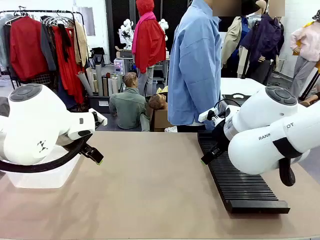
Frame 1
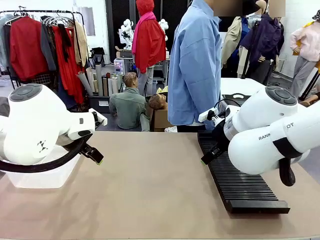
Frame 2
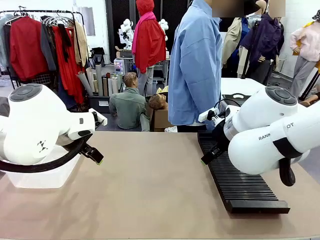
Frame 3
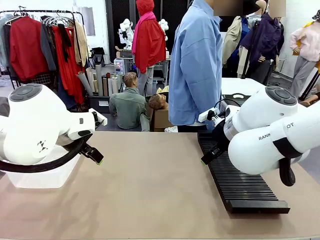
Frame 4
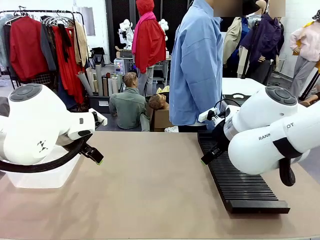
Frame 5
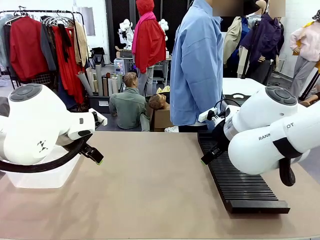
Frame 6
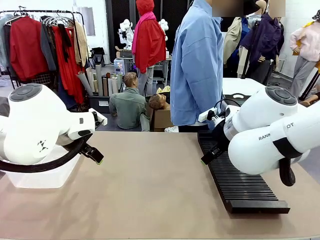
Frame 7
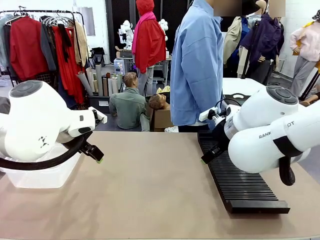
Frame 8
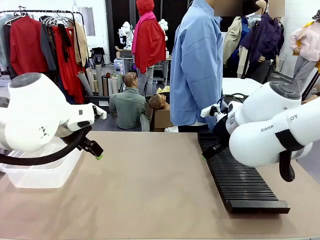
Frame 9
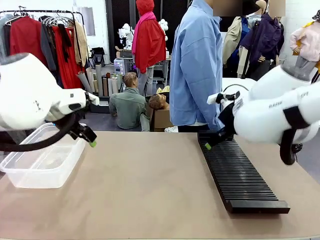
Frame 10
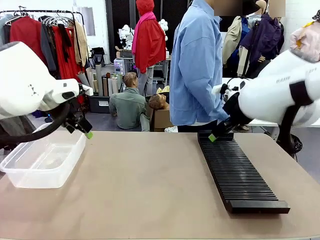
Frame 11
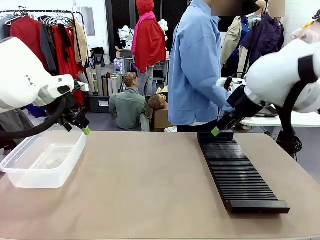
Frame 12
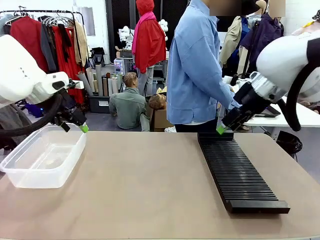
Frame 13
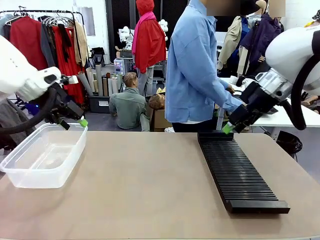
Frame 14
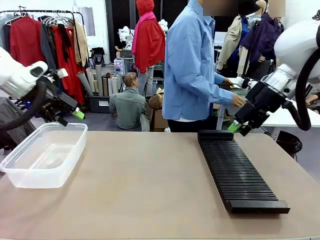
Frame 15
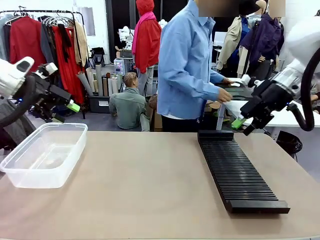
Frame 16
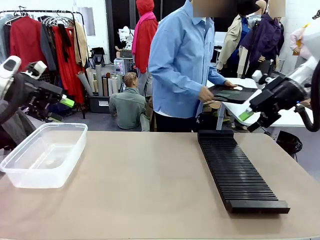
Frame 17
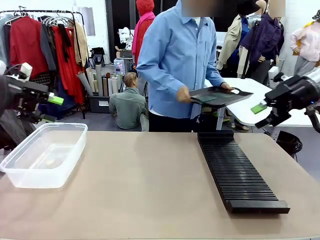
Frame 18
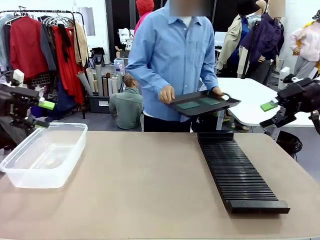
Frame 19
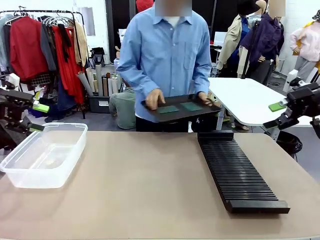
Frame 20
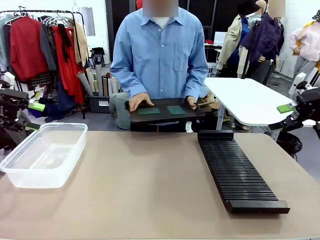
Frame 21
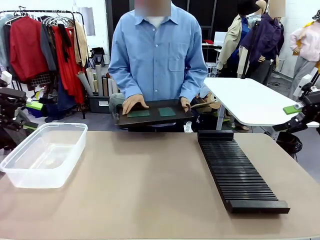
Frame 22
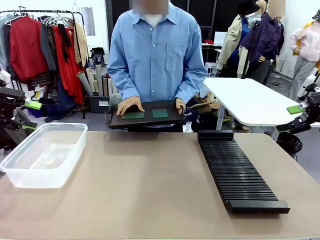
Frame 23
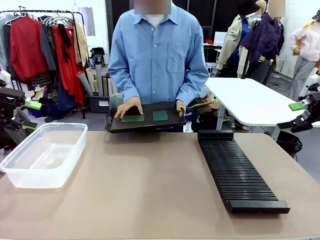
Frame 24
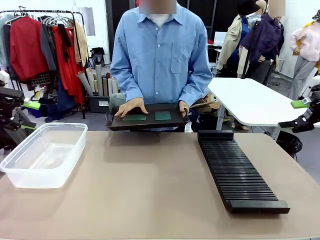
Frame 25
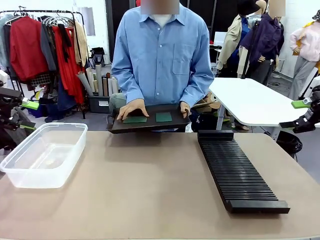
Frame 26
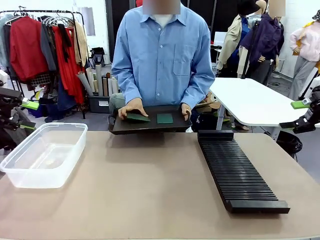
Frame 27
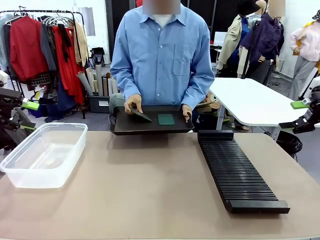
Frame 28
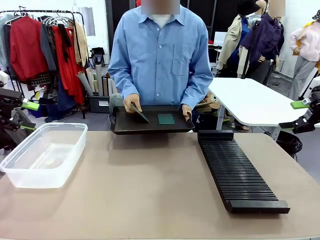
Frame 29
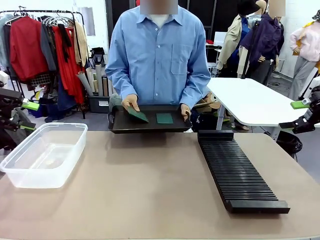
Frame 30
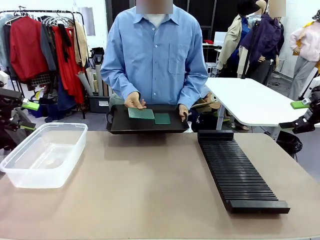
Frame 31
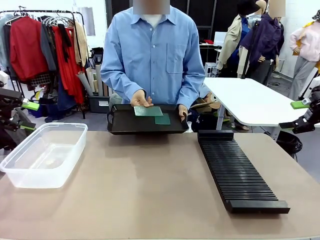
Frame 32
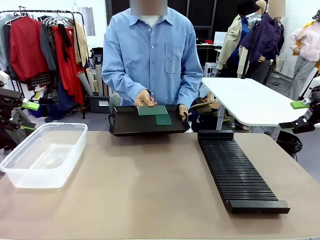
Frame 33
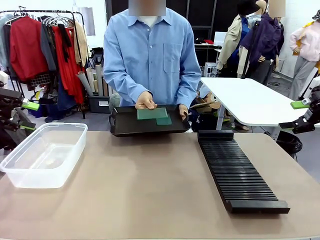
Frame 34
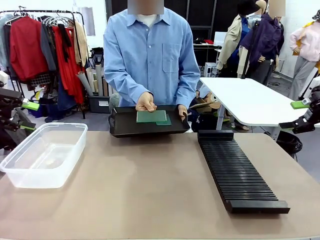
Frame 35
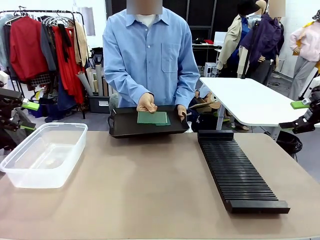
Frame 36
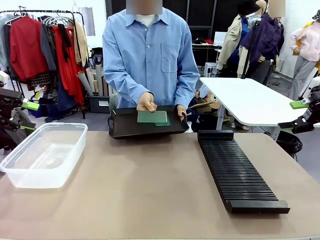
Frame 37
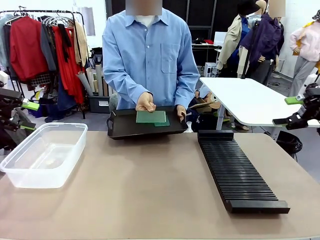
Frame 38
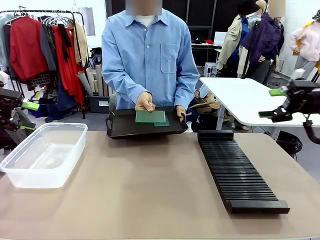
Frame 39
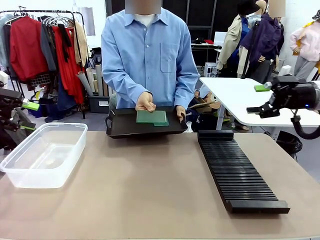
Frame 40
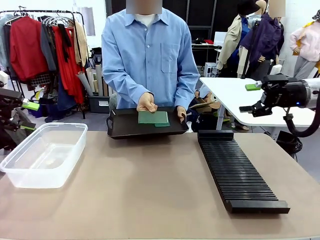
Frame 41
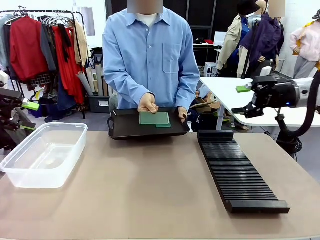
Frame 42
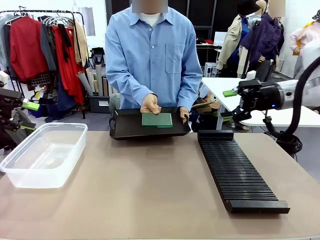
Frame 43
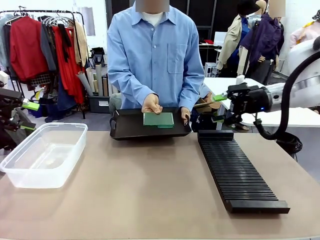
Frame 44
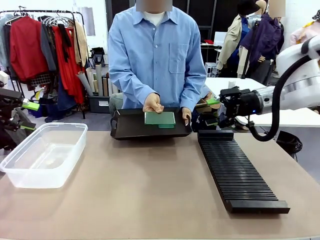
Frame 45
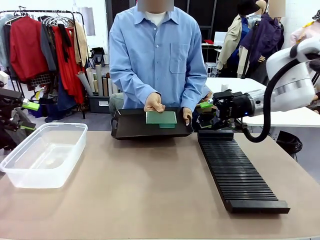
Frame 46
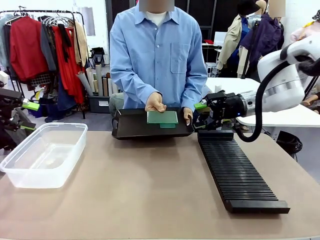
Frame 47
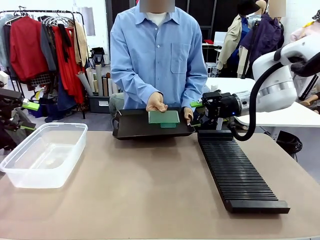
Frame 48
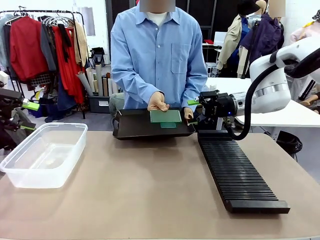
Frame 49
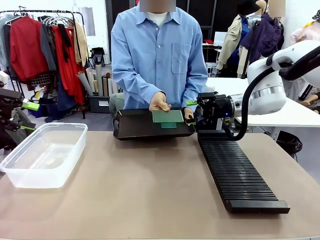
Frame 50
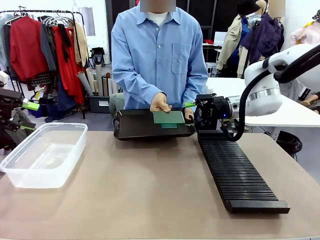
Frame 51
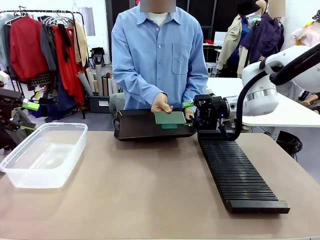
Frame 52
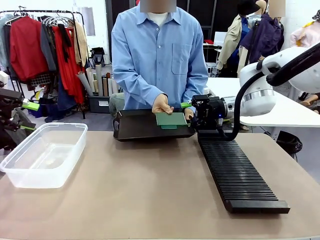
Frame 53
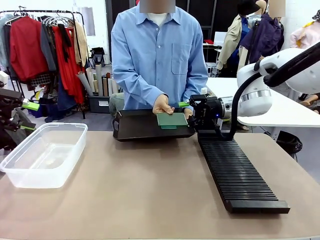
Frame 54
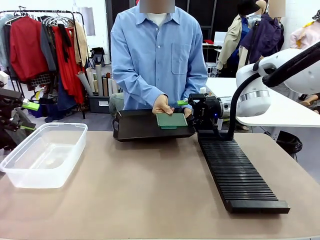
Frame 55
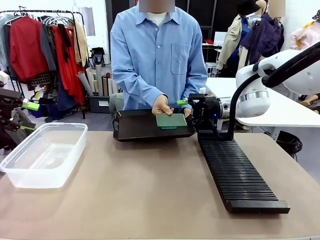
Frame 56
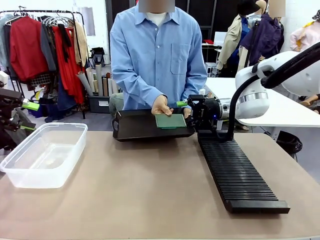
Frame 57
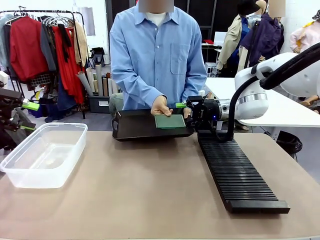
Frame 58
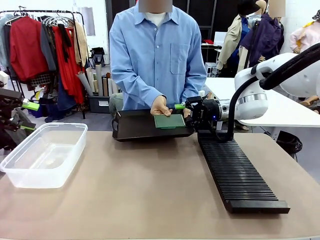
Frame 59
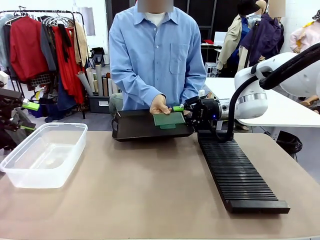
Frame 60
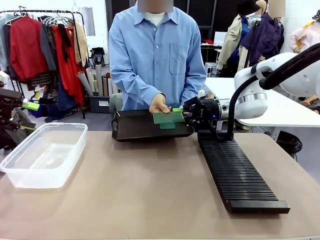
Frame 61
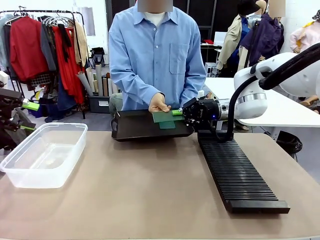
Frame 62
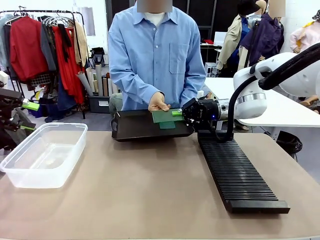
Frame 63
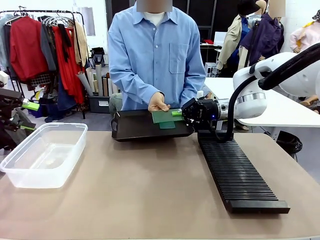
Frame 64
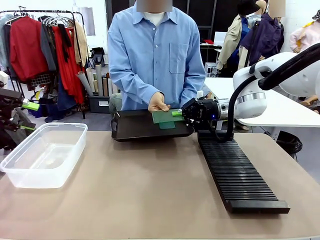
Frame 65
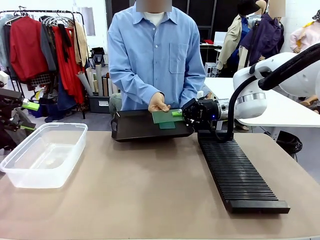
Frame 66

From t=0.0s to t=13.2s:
Task: Sort PCBs into racks and boxes based on the side picked up.
Robot: Pick up the Blank PCB handed by the Human.
Person: Pick one PCB from the tray and present it to the robot. Release the PCB being held.
